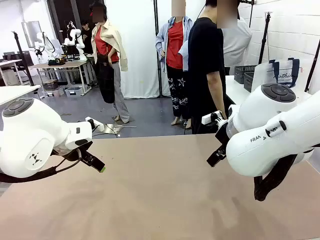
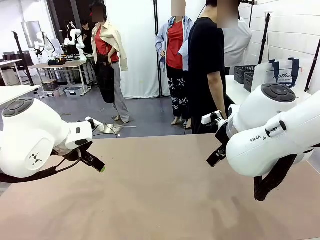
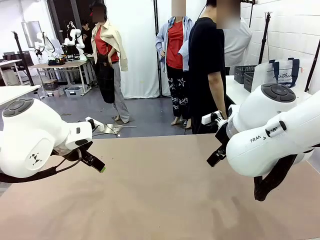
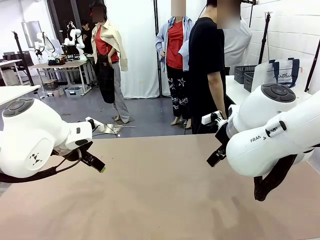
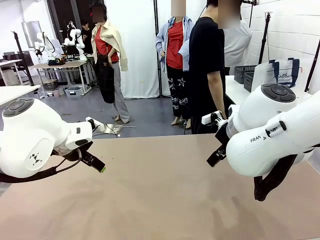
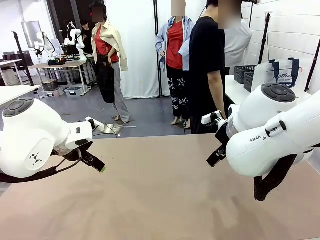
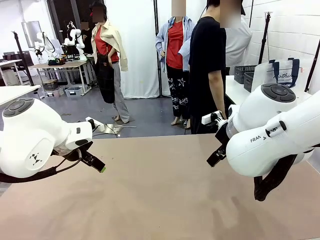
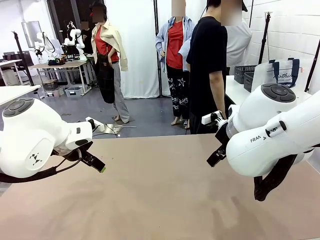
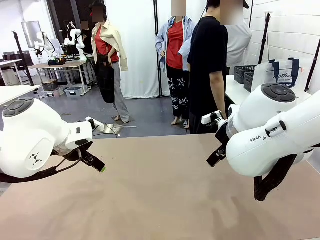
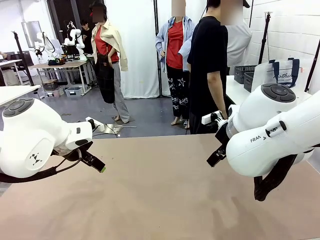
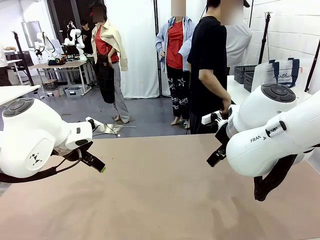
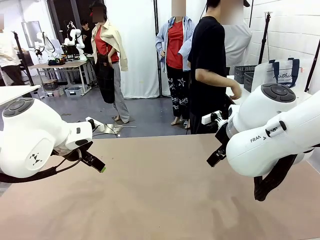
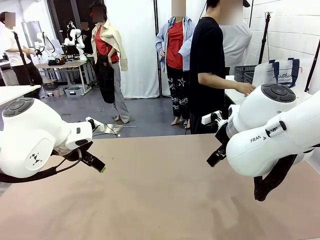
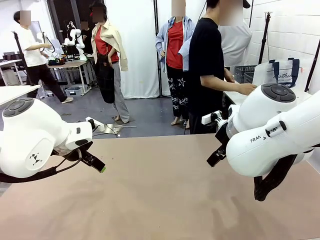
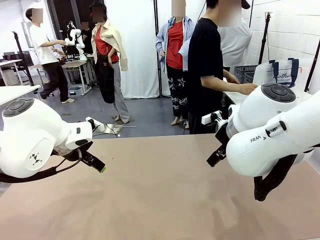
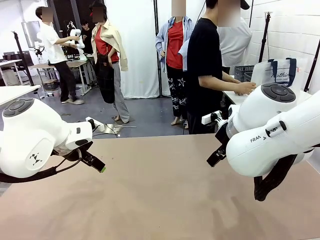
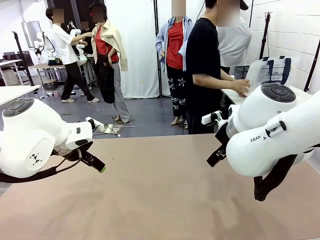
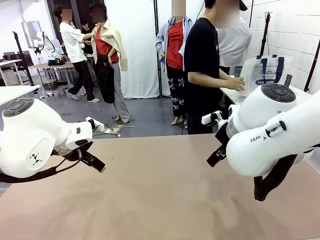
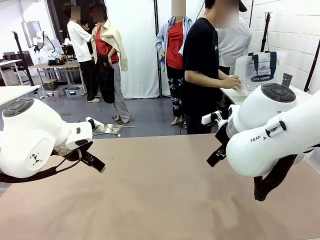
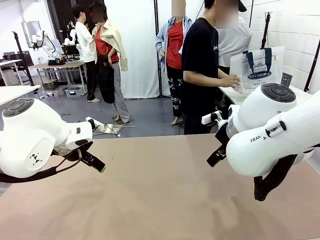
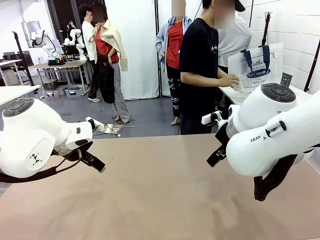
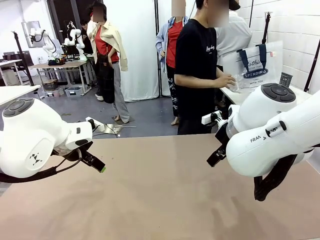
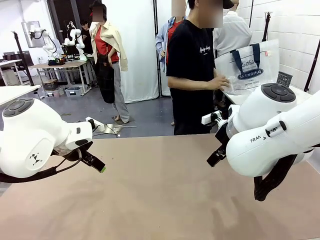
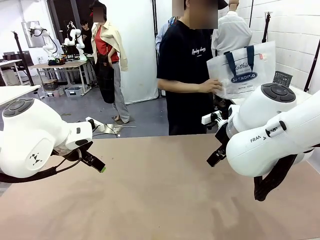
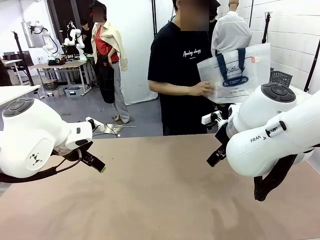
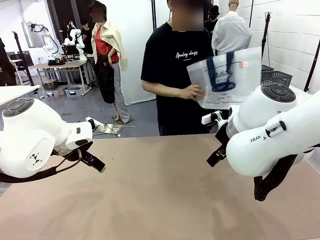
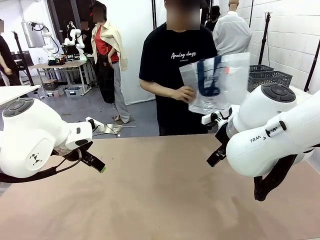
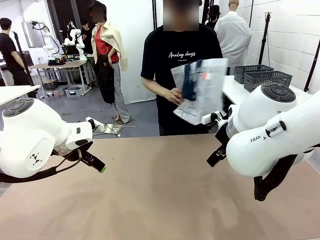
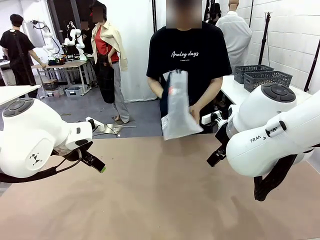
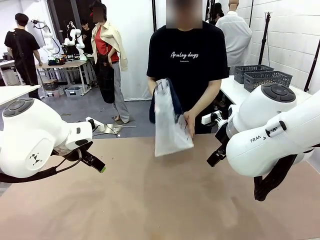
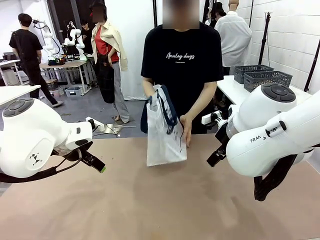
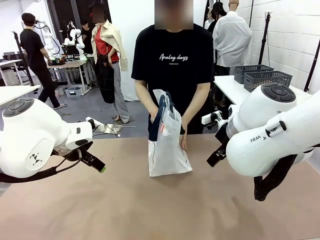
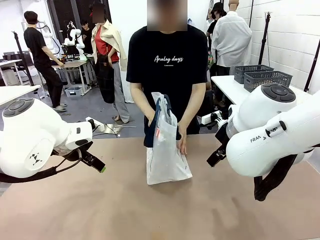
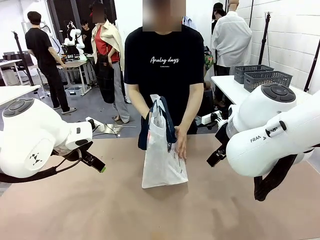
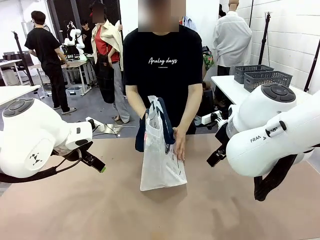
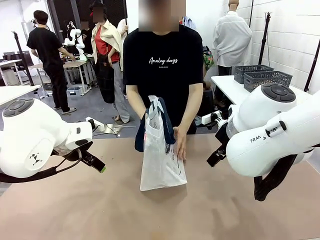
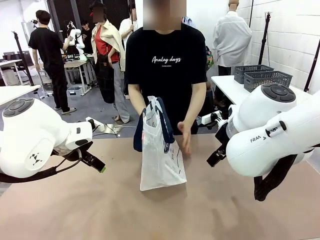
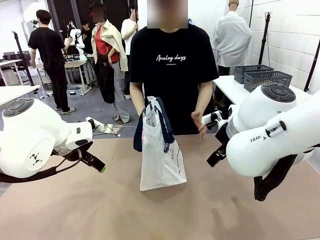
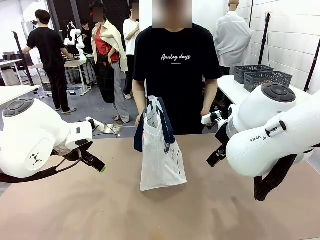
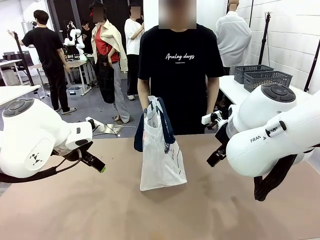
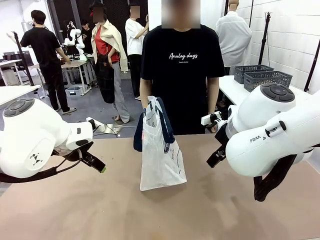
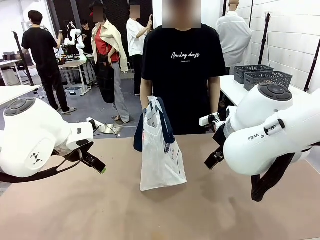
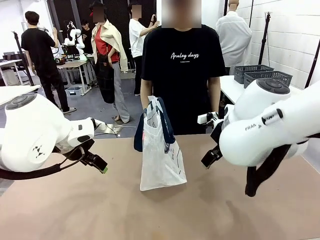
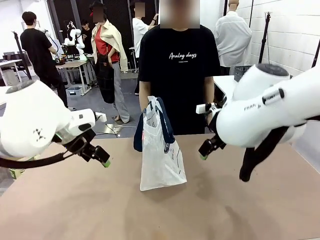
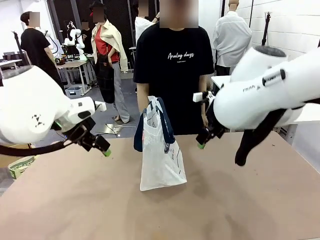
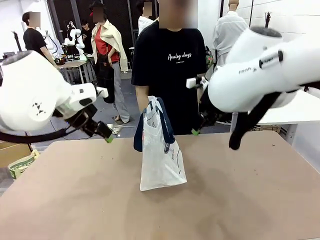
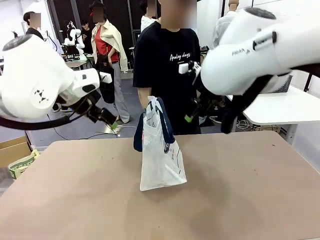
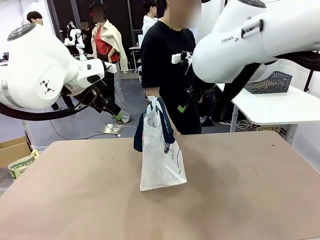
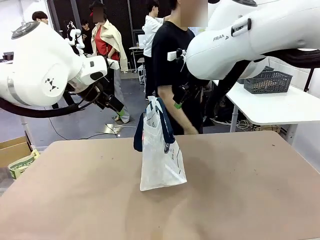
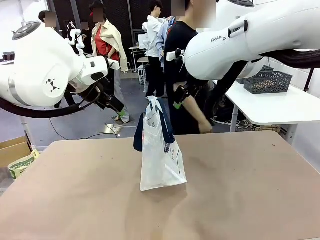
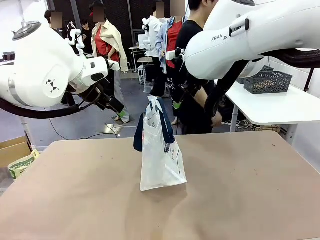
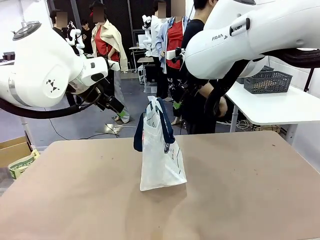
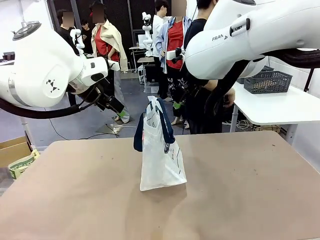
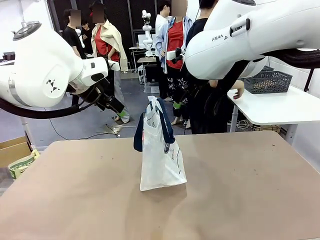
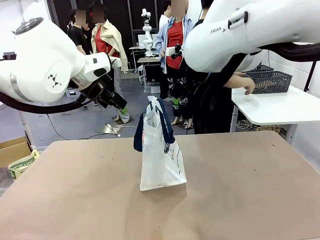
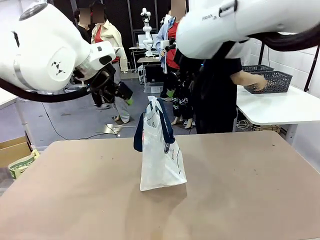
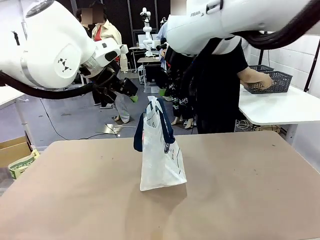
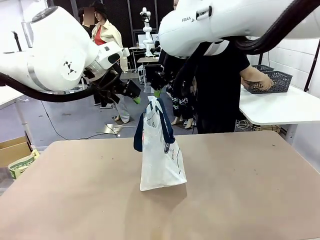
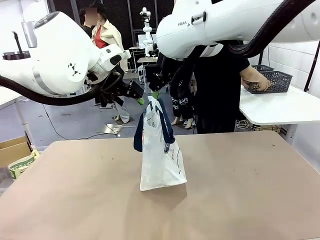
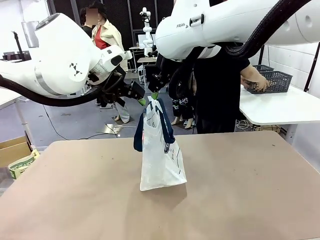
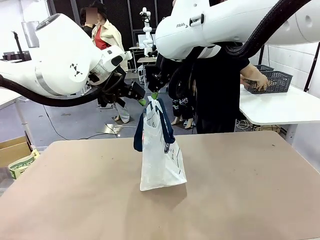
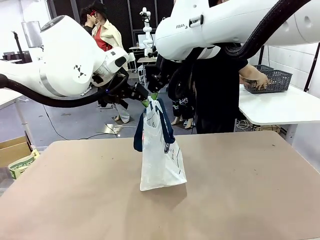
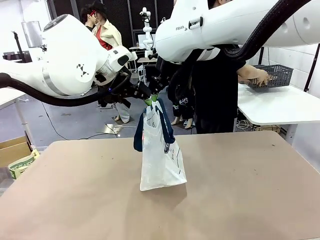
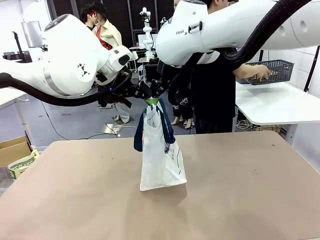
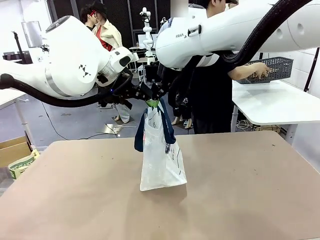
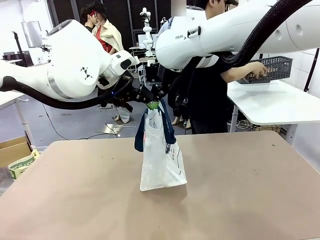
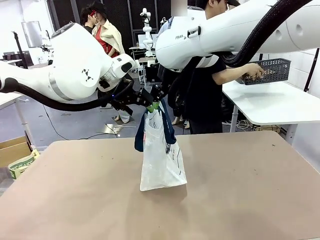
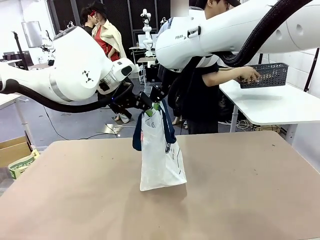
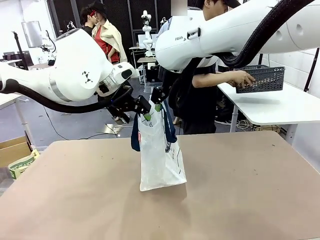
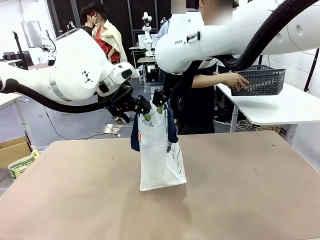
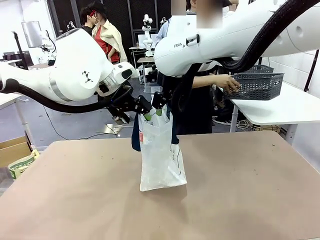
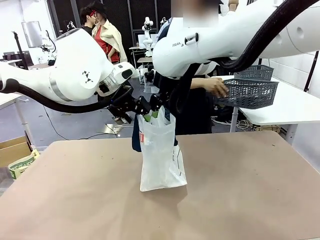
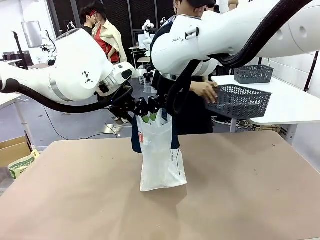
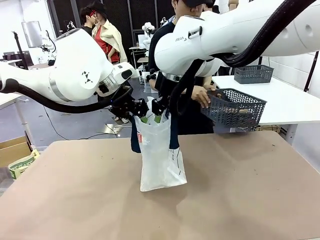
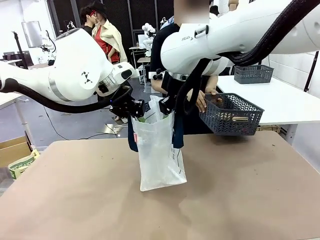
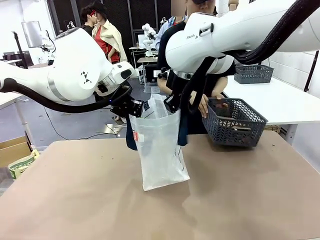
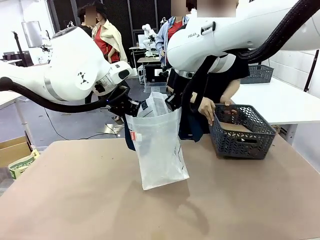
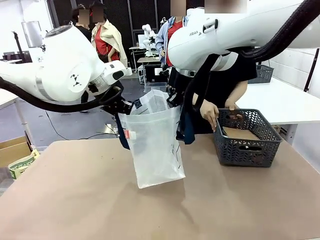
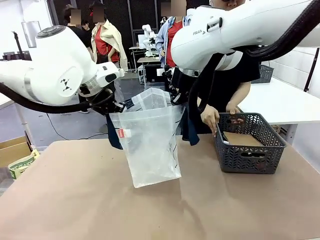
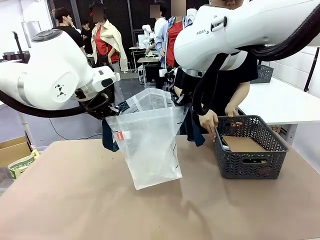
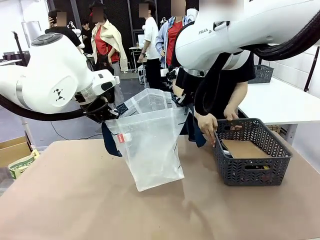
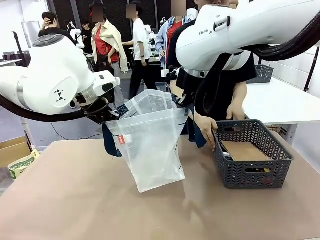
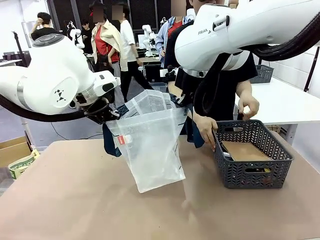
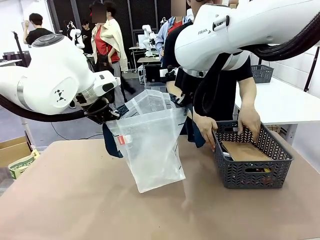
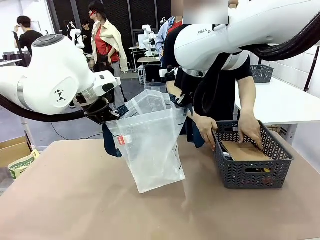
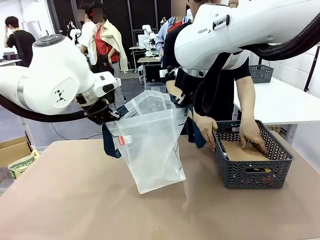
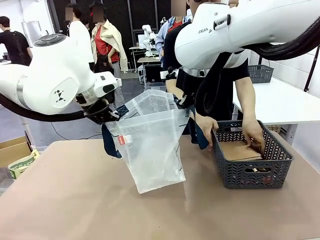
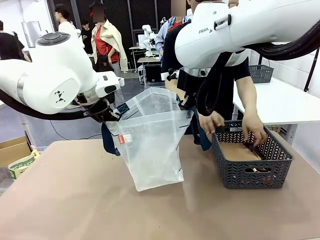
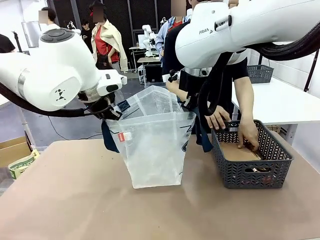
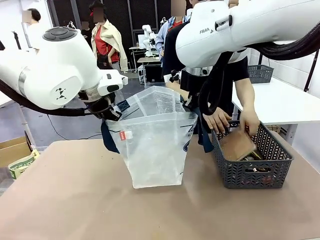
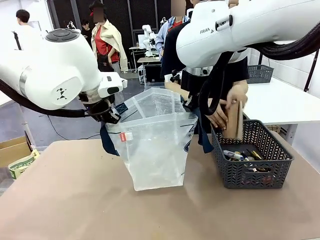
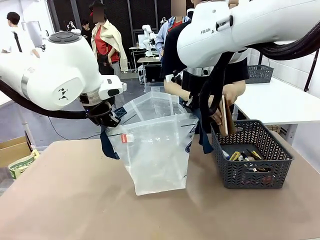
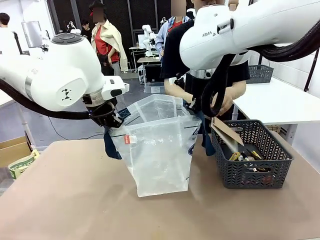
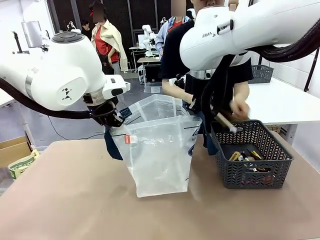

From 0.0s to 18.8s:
Task: Transfer purchased items from the store into the shopping bag.
Robot: Open the Reusable shopping bag in the center of the table.
Person: Pick up the shopping bag and place it in the middle of the robot table.
